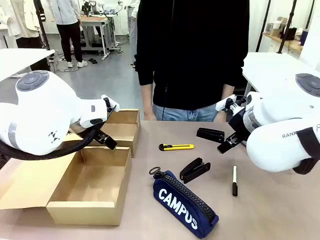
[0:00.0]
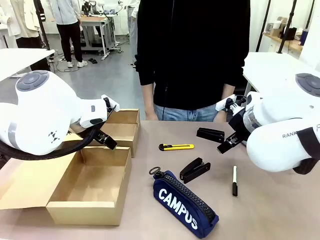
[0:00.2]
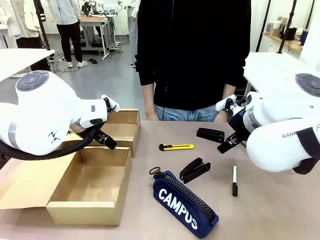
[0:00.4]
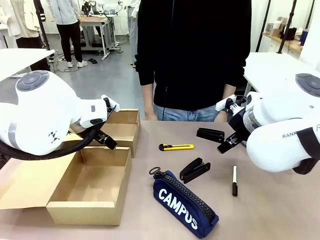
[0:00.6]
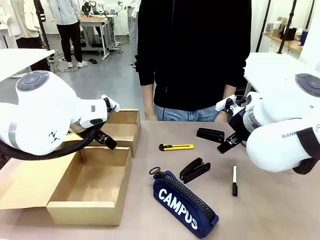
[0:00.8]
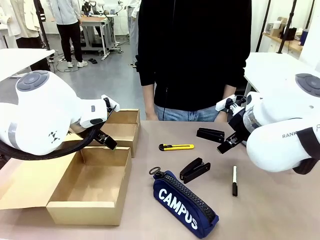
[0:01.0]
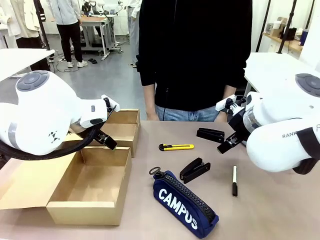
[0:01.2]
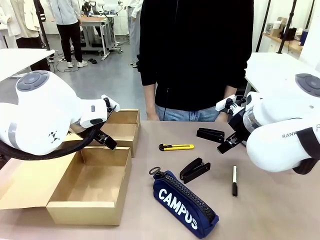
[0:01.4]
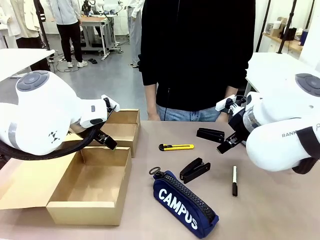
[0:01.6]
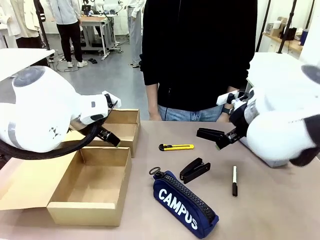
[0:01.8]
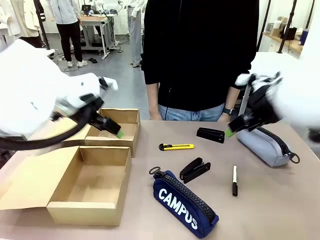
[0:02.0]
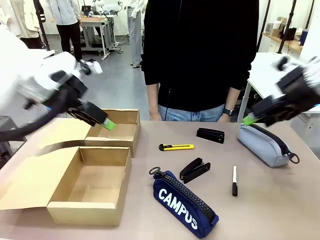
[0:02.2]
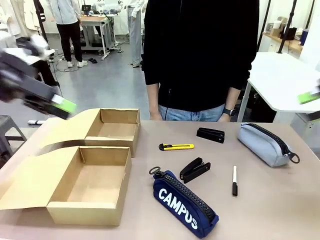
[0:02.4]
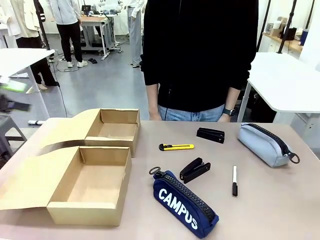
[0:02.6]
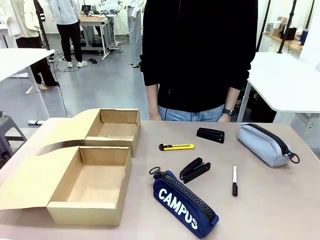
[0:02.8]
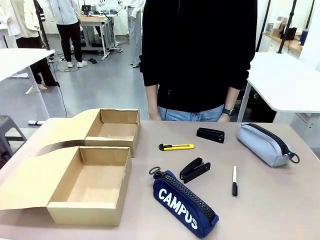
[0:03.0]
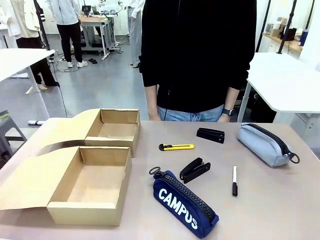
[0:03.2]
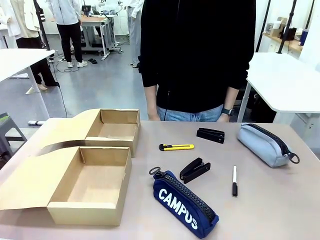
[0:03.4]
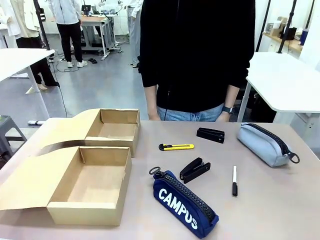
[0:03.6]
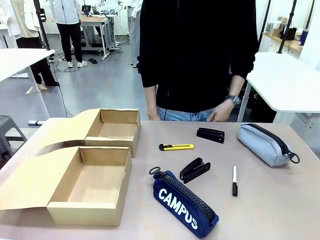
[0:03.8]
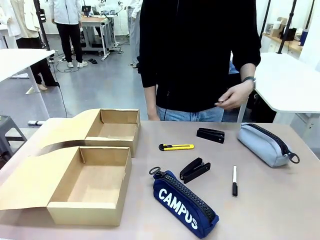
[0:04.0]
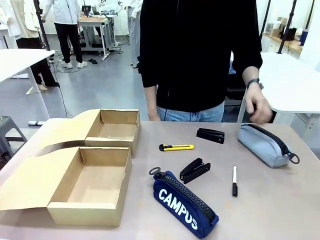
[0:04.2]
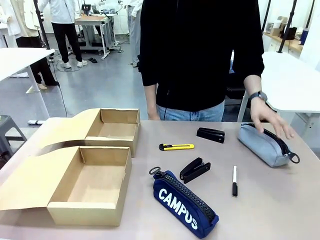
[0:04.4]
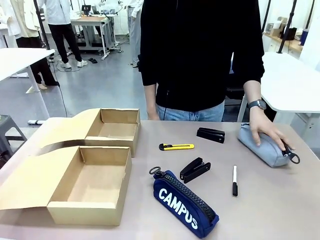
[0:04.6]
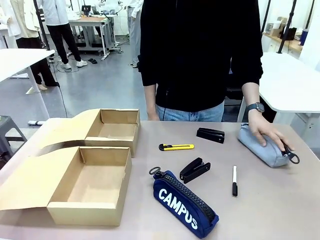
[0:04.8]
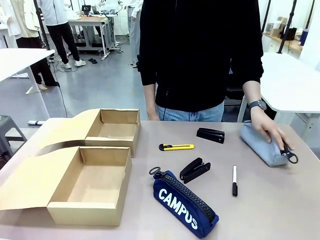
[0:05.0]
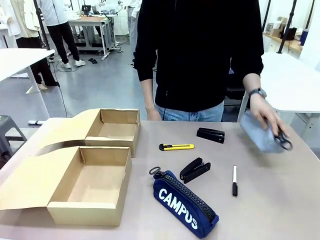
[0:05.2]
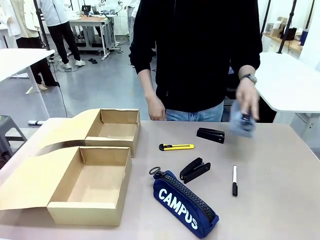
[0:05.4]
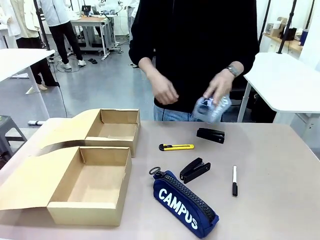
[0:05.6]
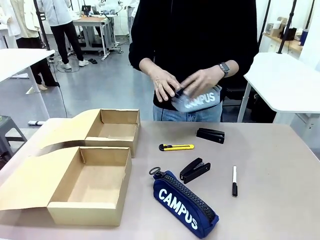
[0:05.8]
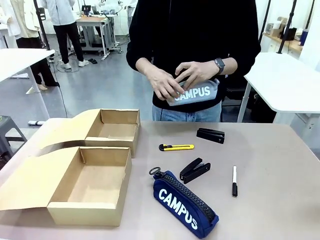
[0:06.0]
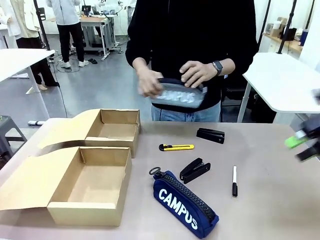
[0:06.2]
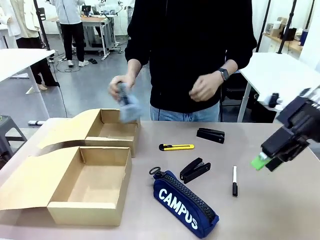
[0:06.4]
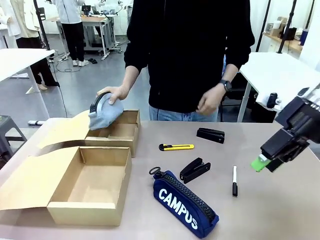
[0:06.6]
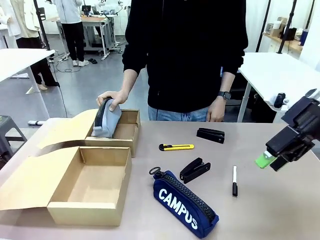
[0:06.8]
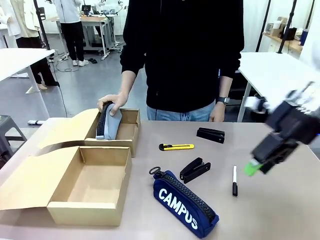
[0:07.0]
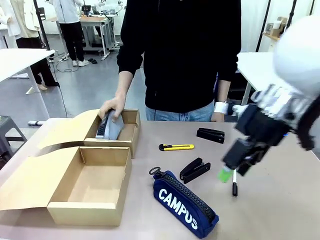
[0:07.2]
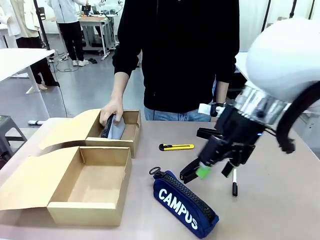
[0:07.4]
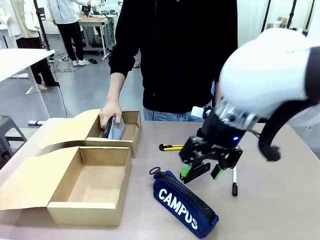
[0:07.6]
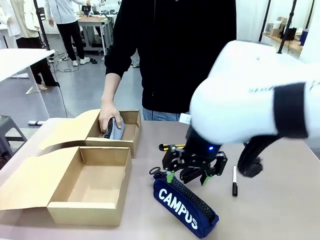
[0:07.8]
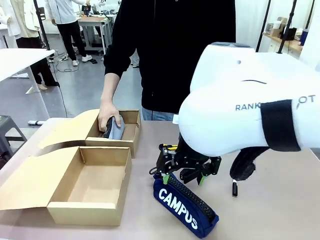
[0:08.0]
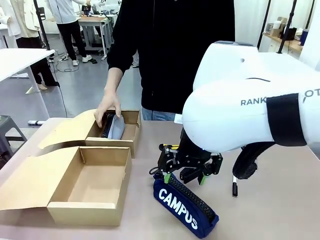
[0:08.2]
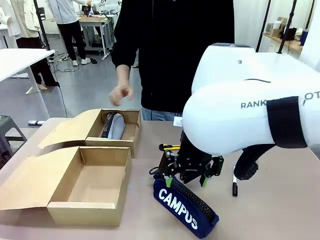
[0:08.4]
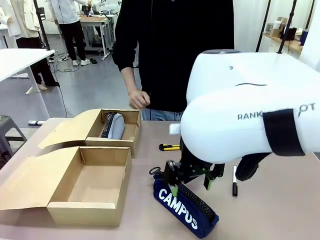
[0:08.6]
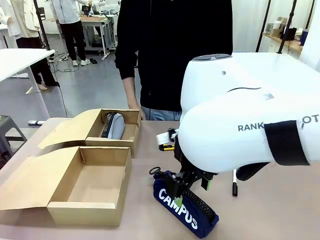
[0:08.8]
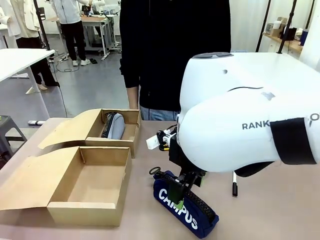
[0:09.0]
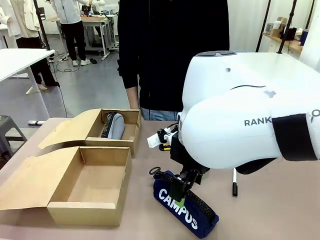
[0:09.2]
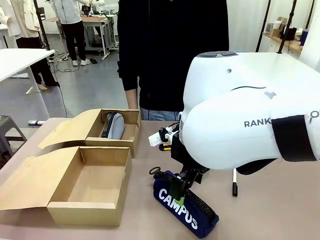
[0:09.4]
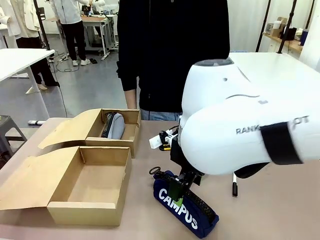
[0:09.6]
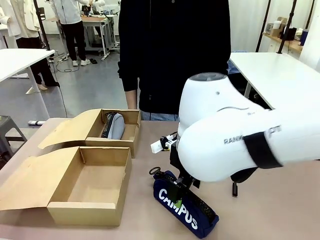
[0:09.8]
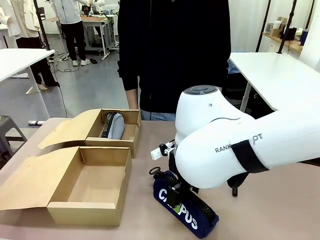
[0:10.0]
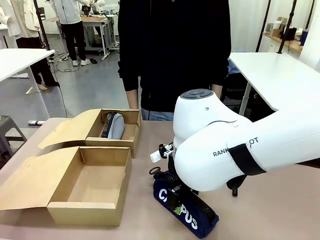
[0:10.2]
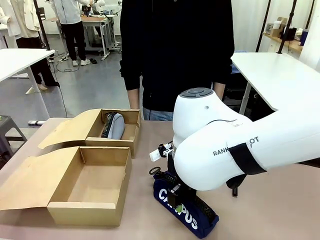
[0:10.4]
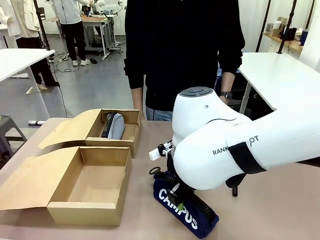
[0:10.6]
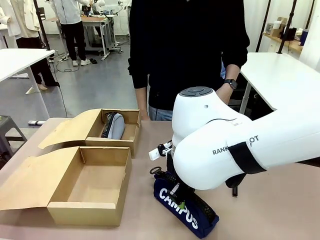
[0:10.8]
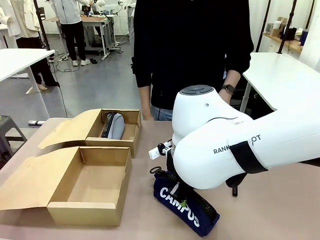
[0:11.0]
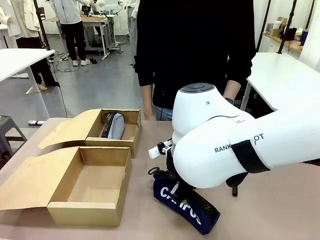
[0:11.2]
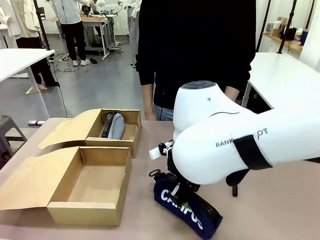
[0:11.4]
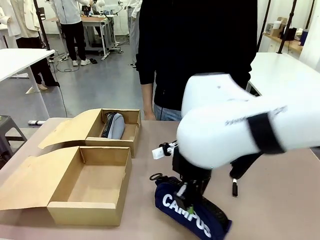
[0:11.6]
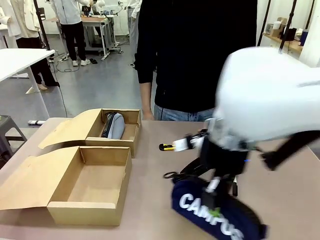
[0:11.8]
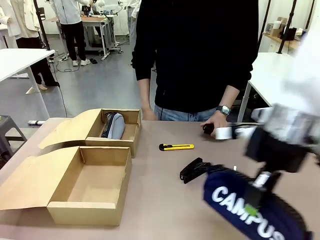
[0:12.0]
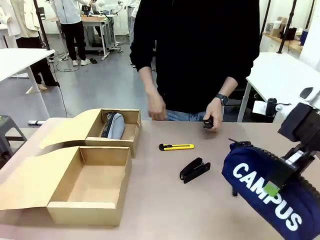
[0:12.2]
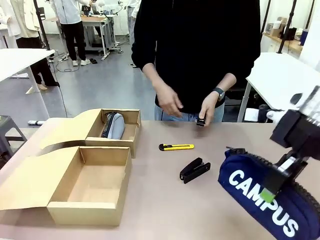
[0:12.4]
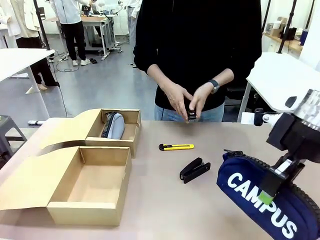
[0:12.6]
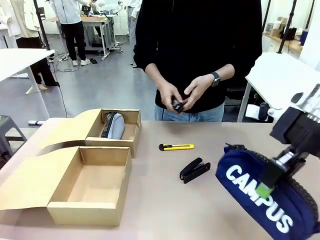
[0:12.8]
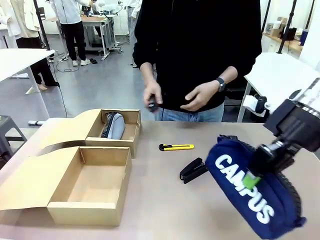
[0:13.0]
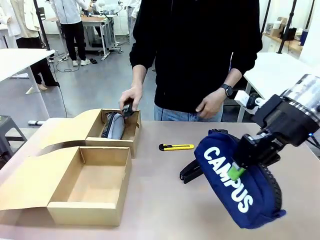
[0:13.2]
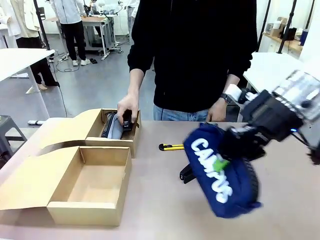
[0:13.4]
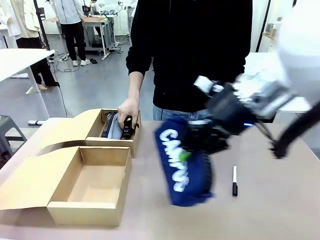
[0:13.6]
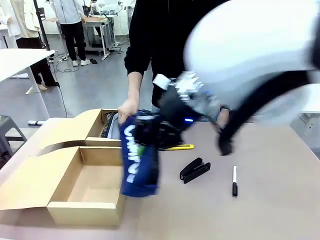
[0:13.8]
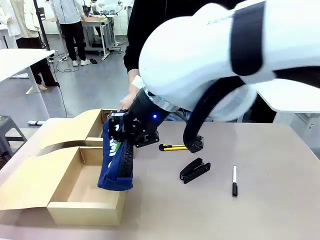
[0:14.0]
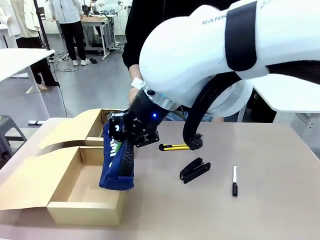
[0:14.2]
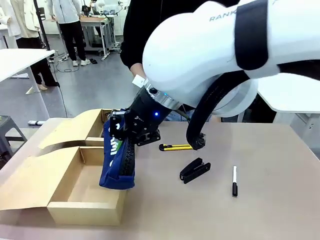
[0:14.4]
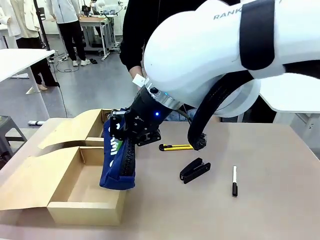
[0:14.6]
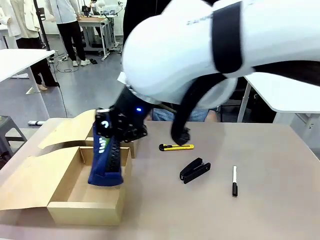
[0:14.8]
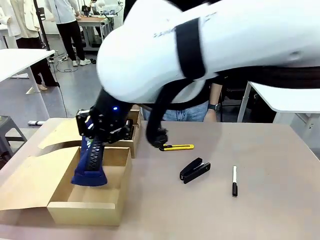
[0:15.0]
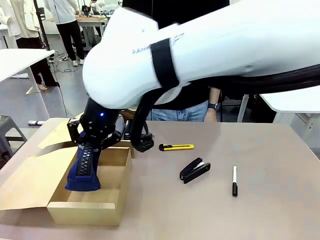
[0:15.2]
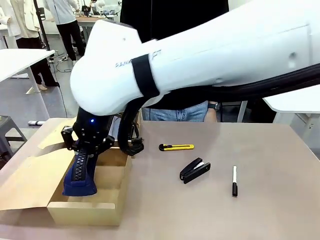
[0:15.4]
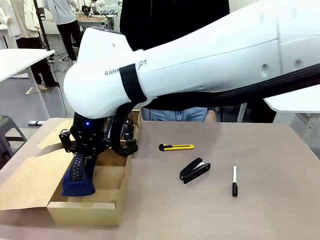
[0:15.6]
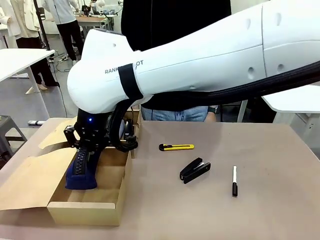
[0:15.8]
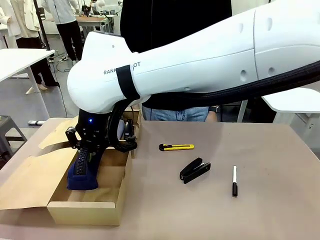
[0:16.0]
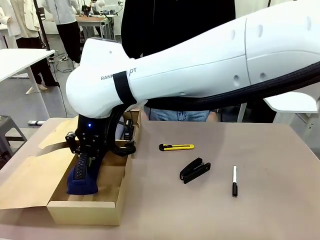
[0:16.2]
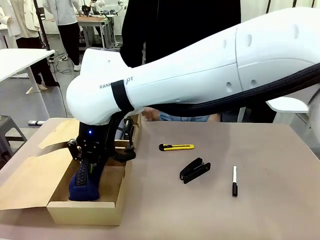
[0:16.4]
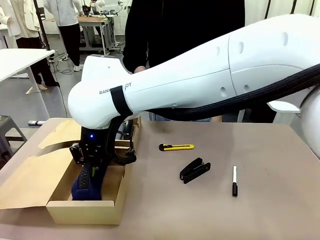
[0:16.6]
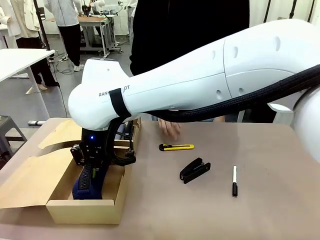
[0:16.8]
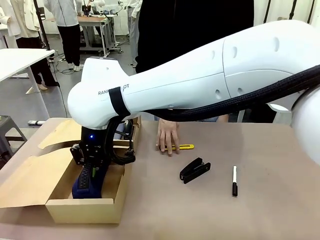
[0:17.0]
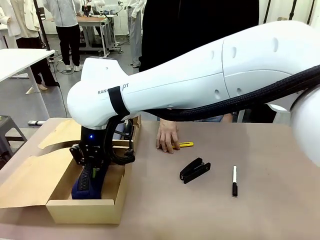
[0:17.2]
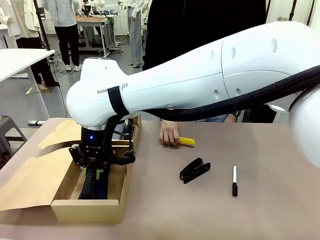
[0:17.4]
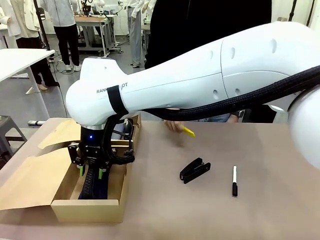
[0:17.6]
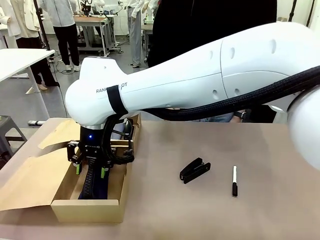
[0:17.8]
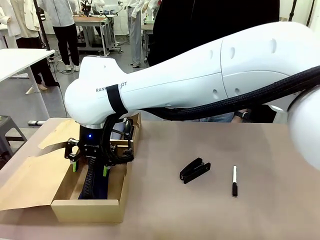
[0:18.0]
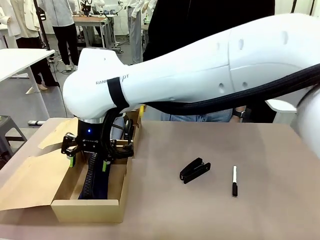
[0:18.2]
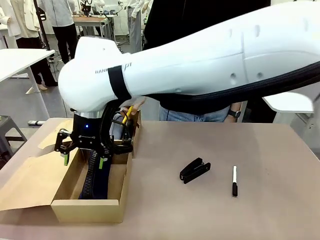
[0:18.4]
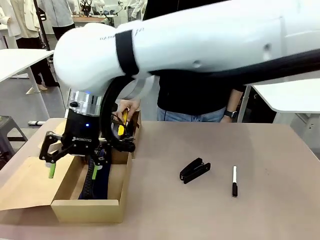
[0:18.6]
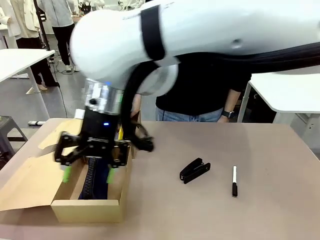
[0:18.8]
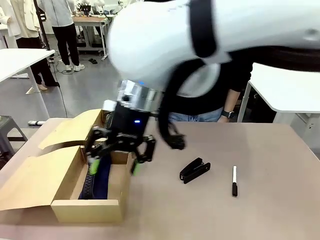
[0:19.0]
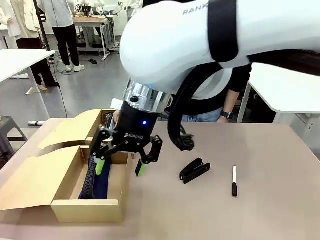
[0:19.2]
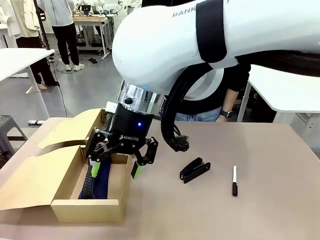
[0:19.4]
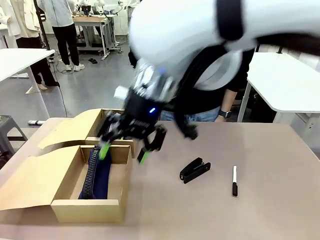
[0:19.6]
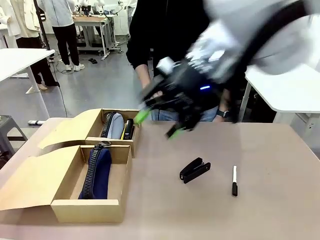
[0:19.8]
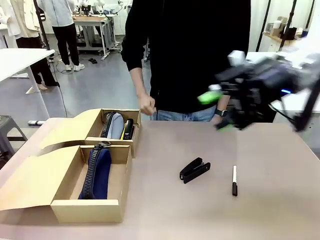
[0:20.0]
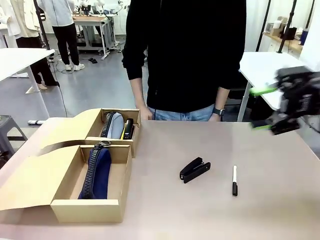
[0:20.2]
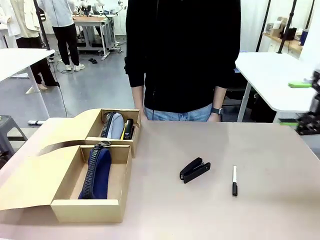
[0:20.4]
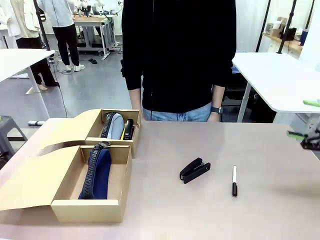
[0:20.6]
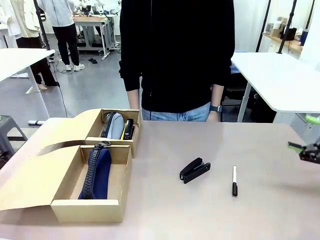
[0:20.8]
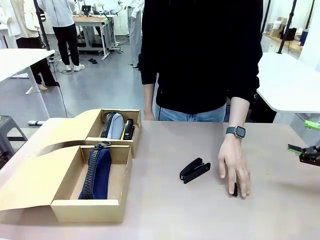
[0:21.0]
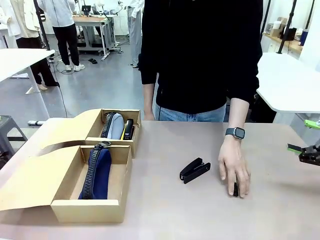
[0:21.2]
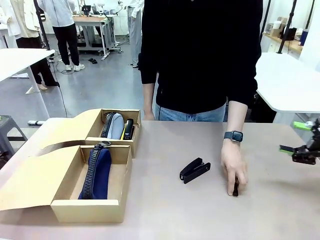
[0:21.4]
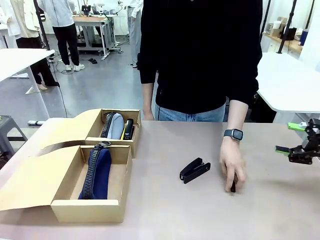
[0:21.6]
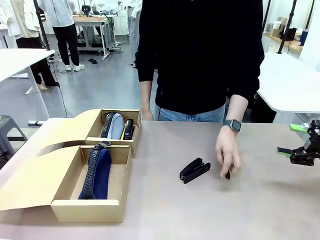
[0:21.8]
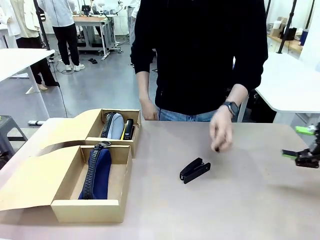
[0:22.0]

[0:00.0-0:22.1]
Task: Place items inside the box.
Robot: Pick up a Pencil pouch or Stapler and place it inside the Mailer Box closest to the robot.
Person: Pick up an object on the table and put it in the box.
